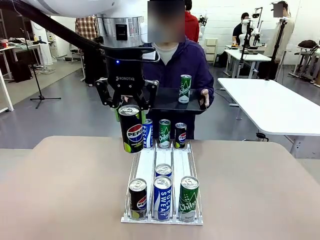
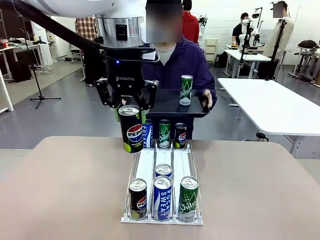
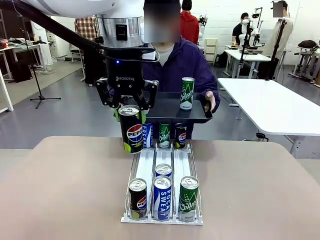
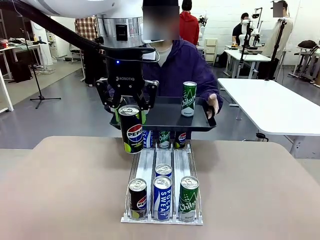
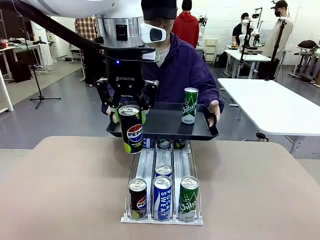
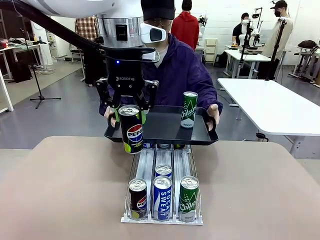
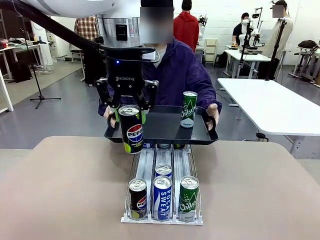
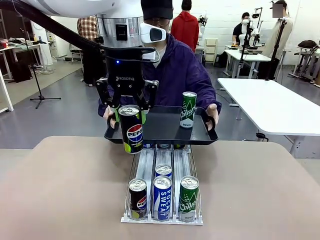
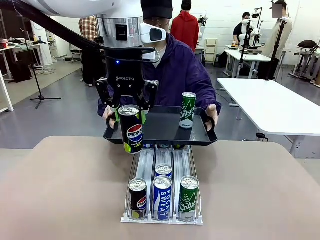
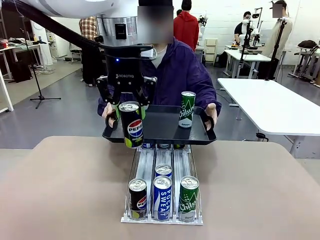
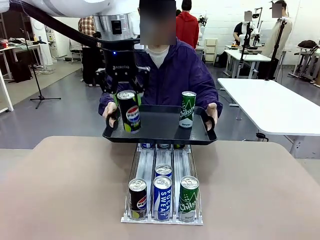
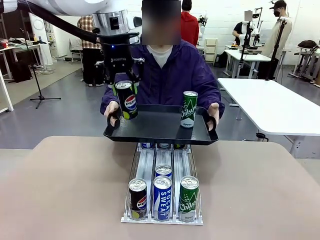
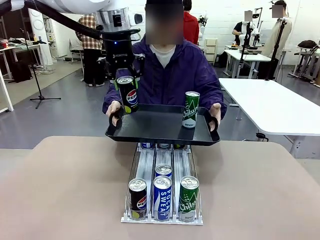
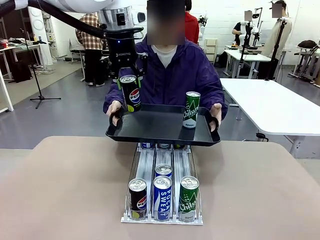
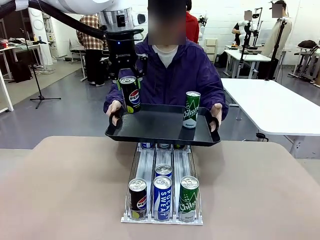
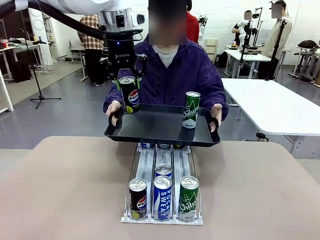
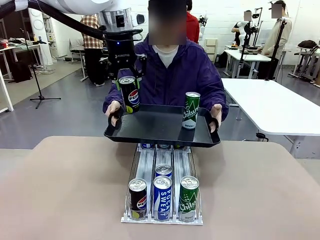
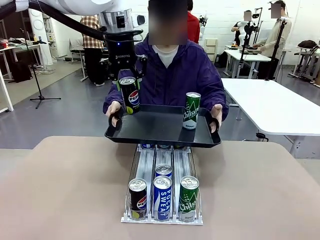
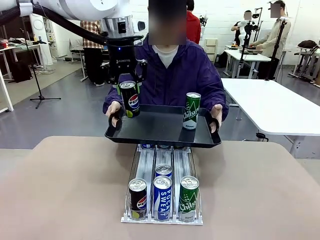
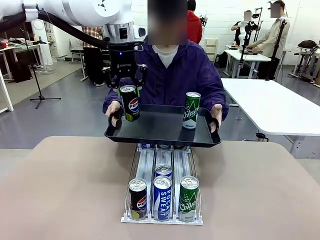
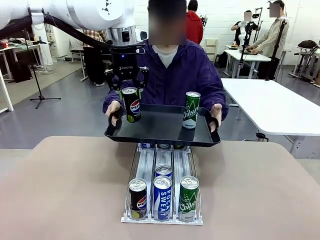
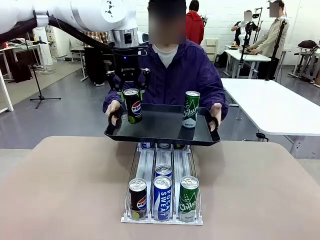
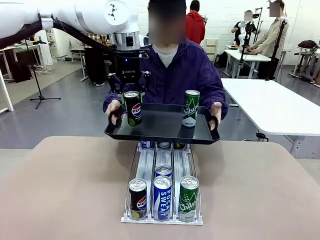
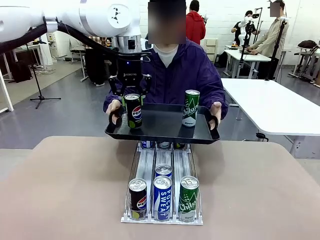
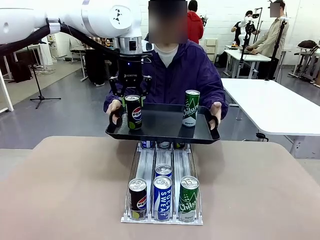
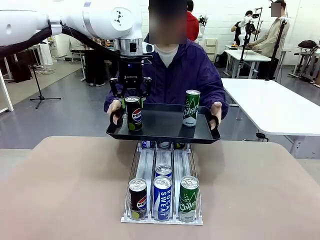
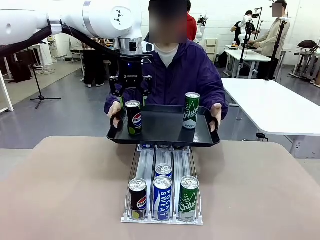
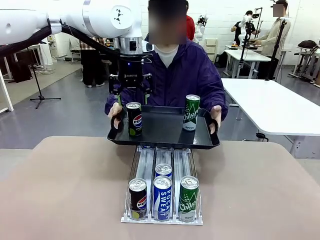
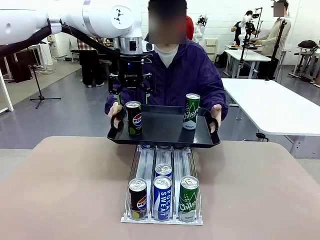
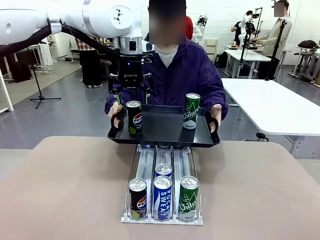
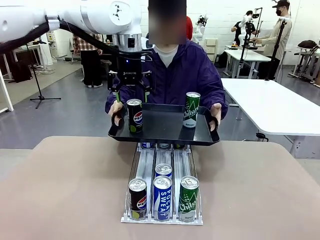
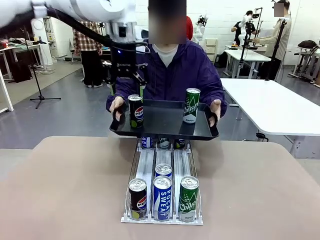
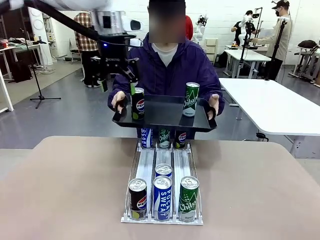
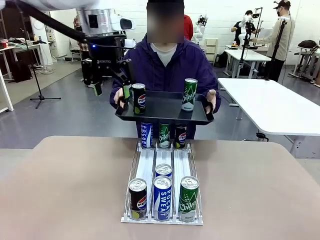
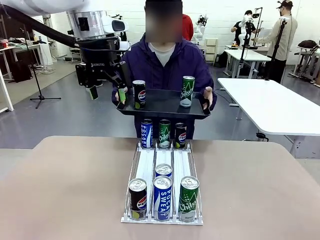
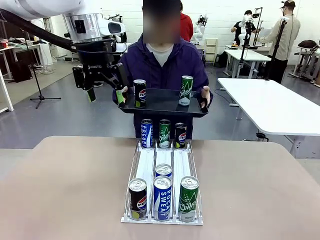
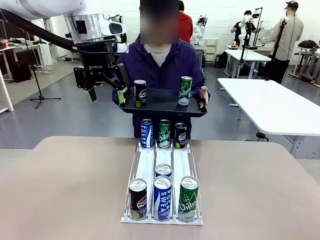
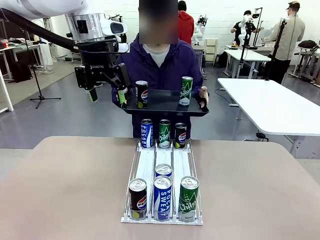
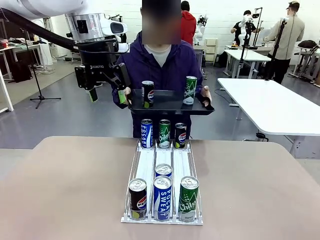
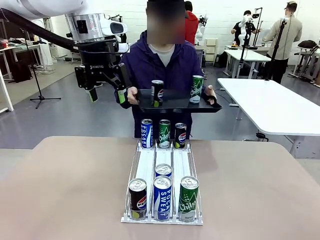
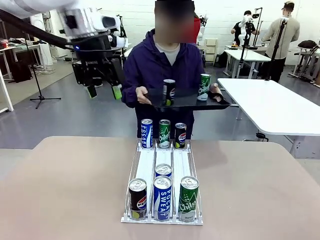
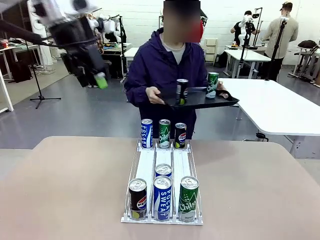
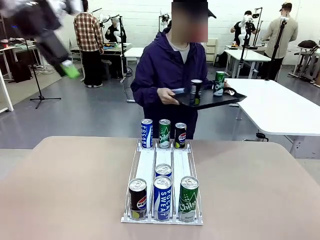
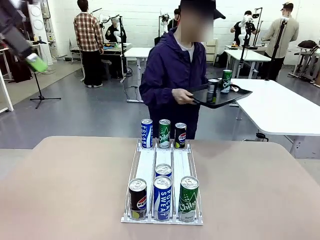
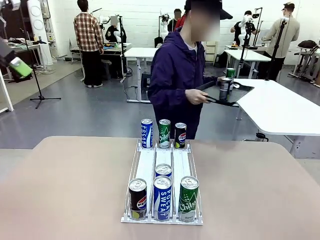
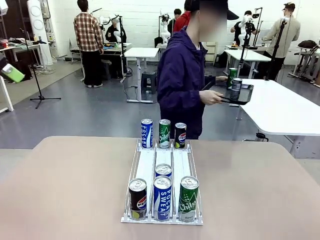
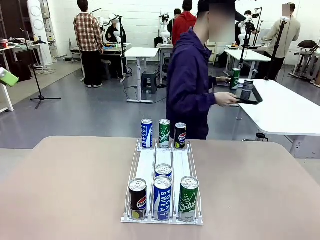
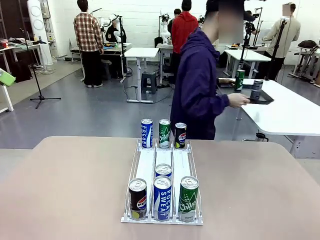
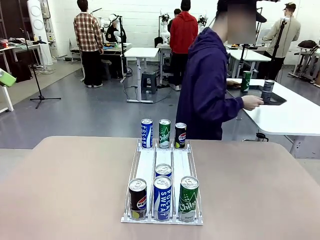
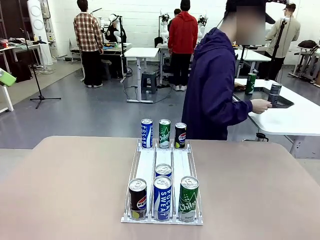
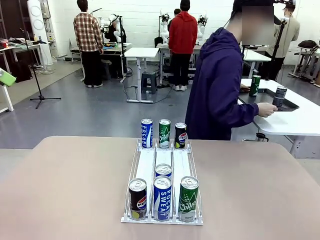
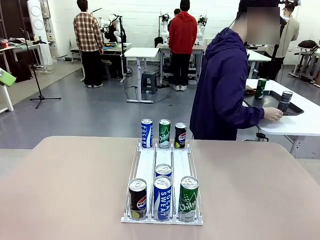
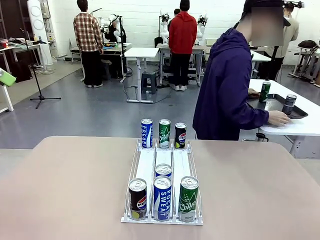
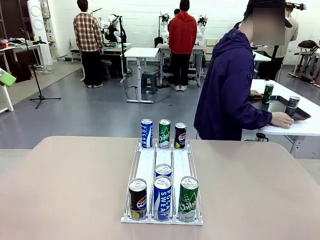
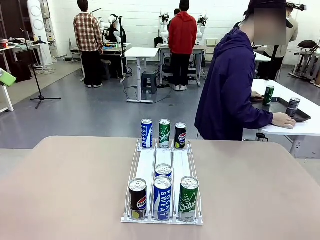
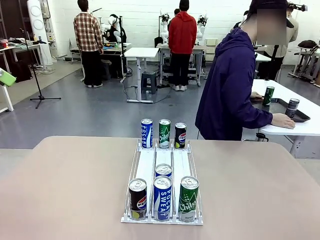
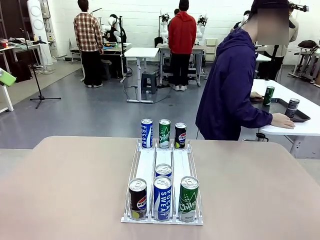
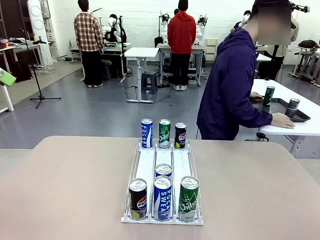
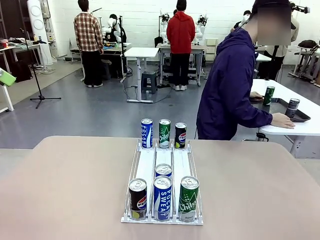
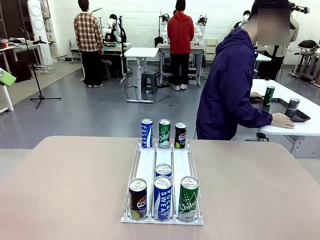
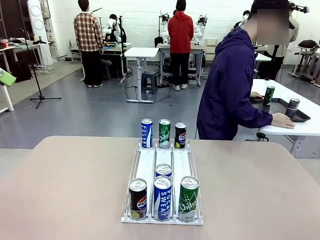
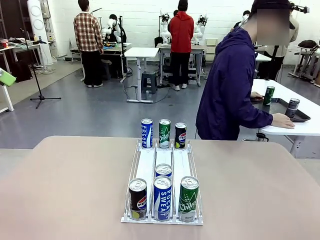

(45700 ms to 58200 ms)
Task: Retrieve and hand over the desired beverage to the person.
Robot: Place the picked can on the Handle tray extended by the person.
Person: Pull the tray back and place it at the center of the human table.

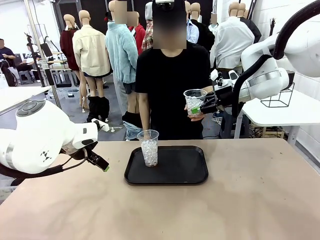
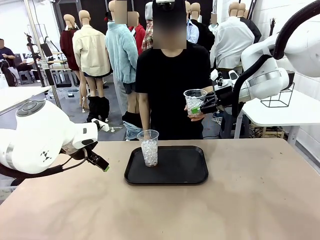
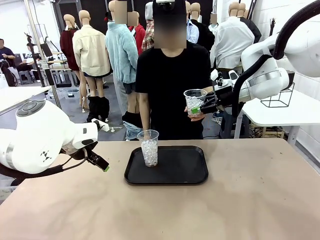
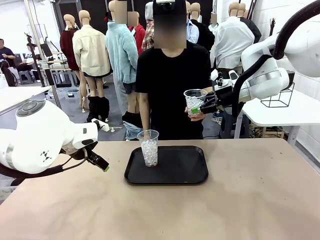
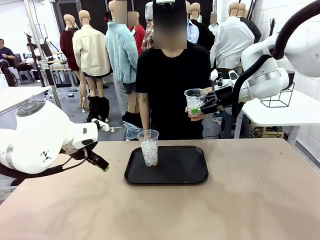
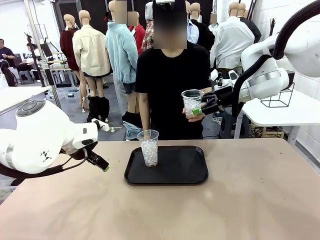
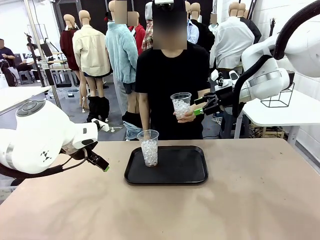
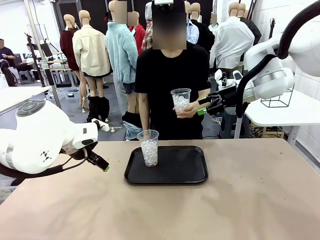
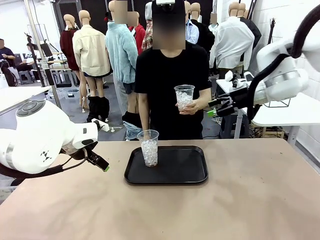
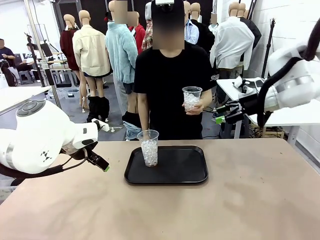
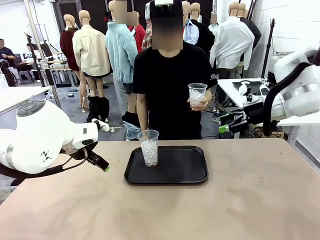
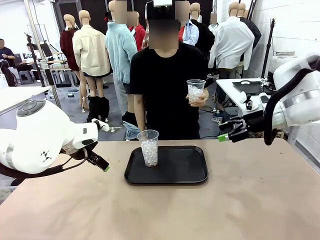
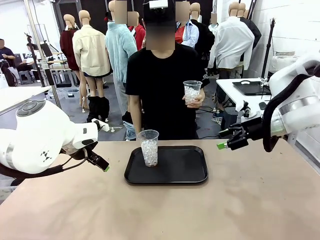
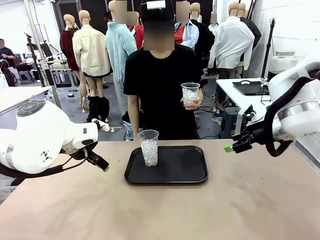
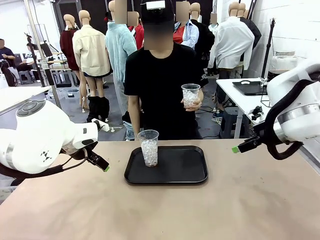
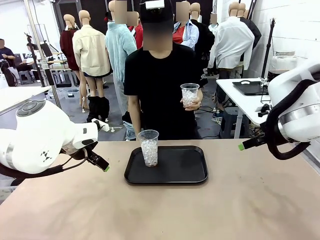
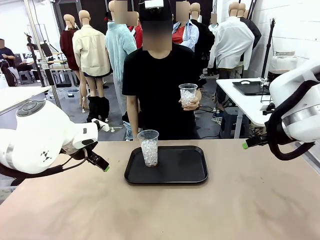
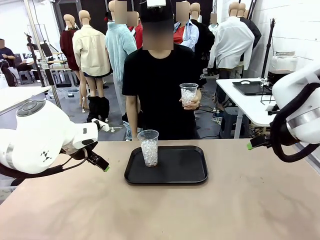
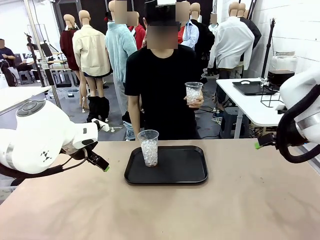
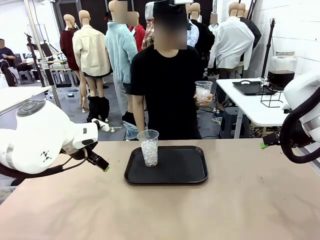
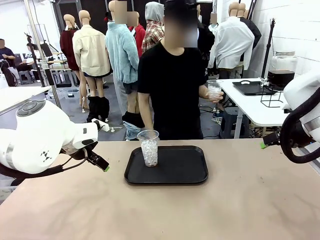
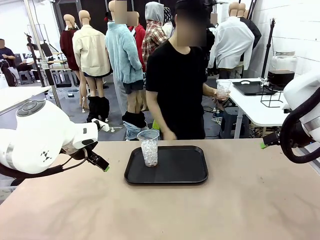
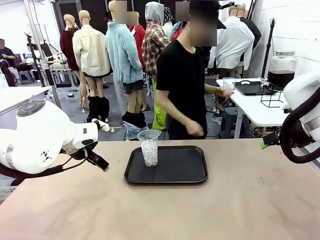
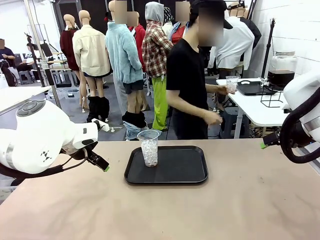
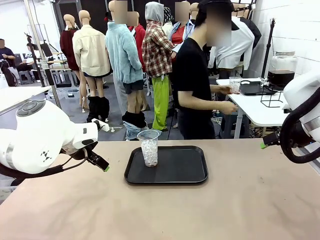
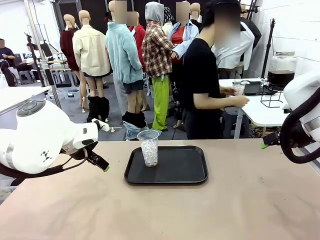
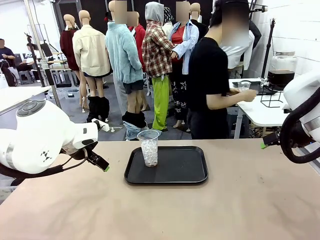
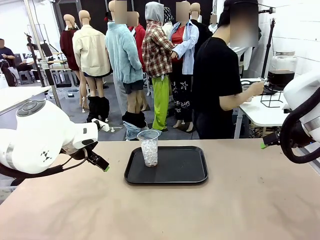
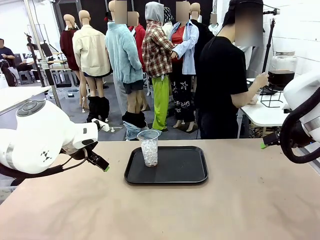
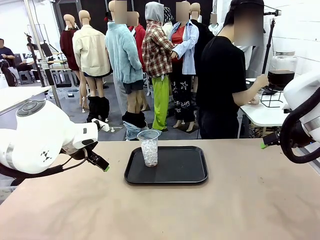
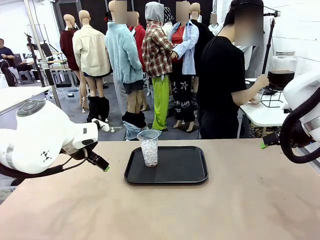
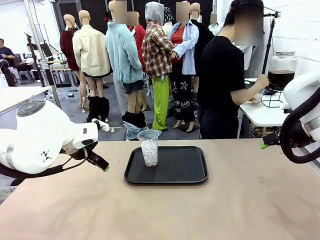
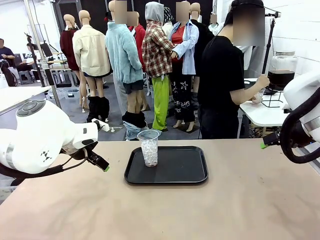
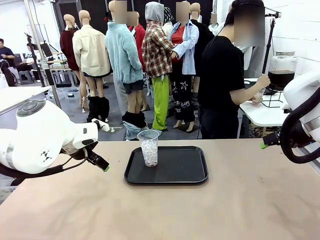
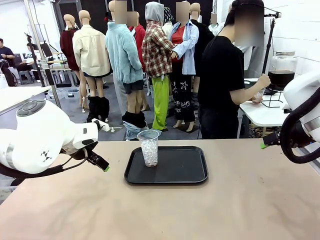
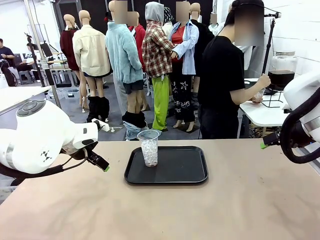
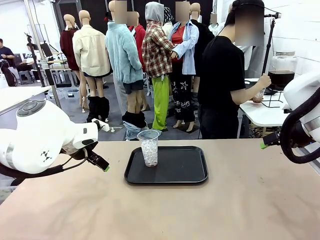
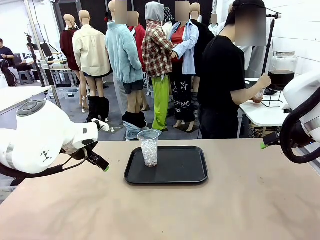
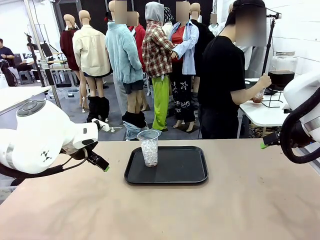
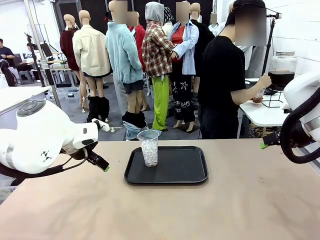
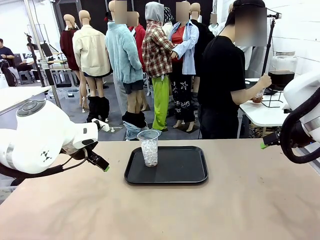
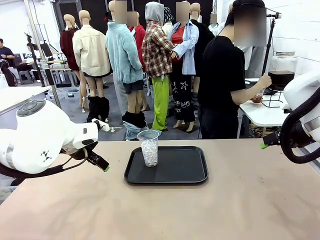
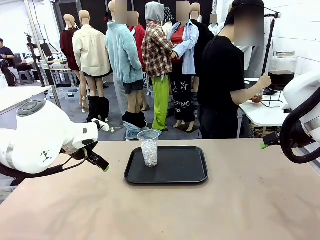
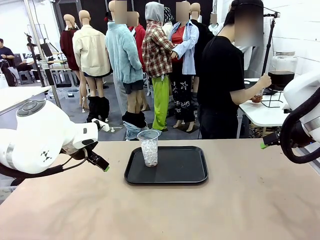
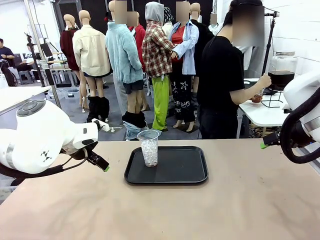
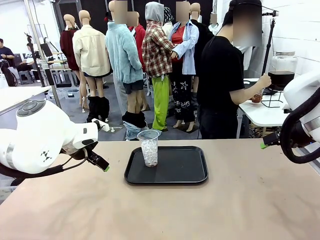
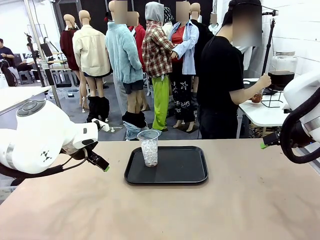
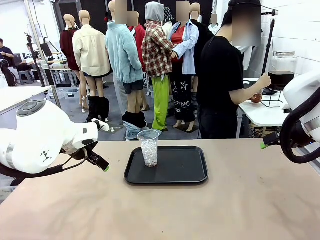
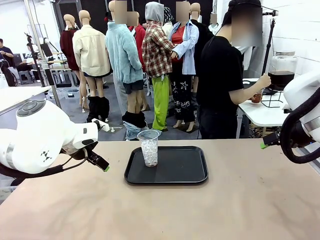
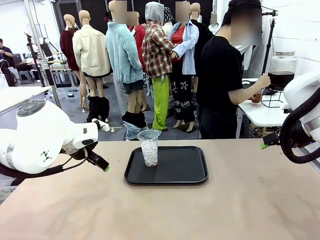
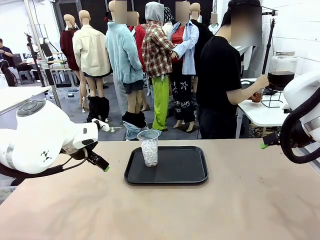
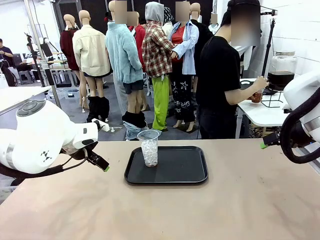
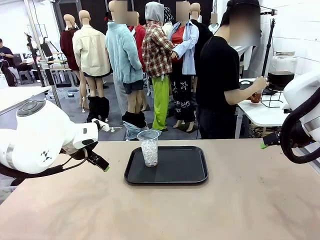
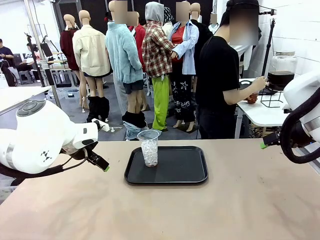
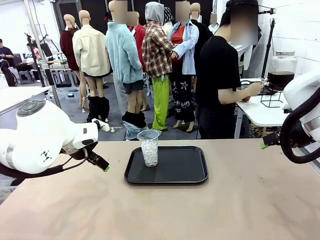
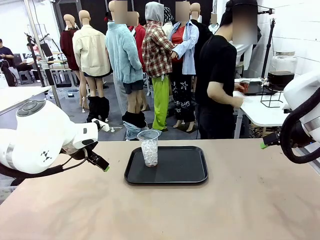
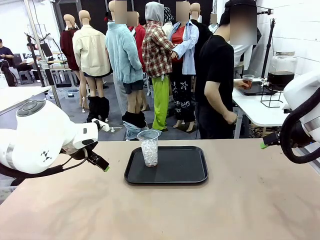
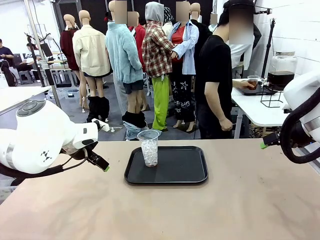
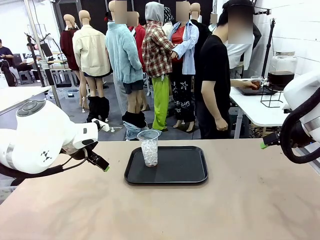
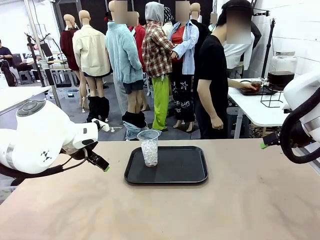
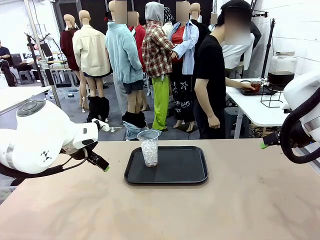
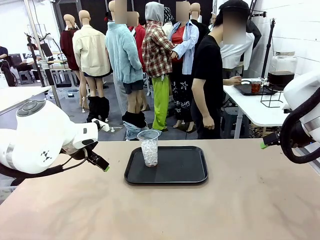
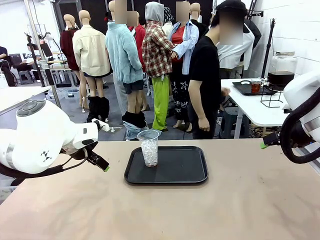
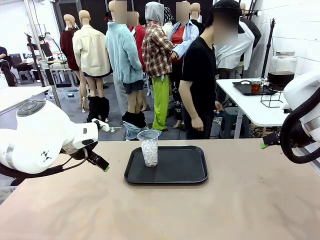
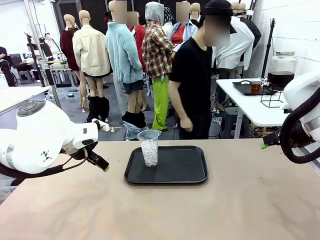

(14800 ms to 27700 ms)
Task: Pour the drink into the iced cup.
Robot: Pick up the iced cup indicated by the human and present it to them.
Person: Move the picked-up cup under the dispenser faucet, pour the drink, and place it on the tray on the human table.
